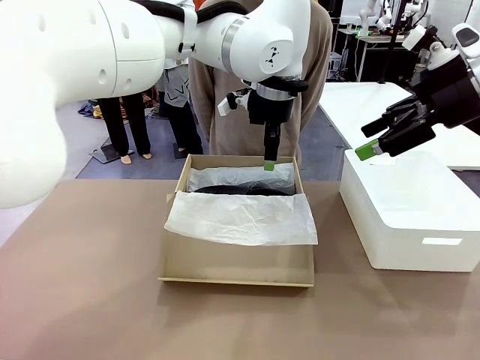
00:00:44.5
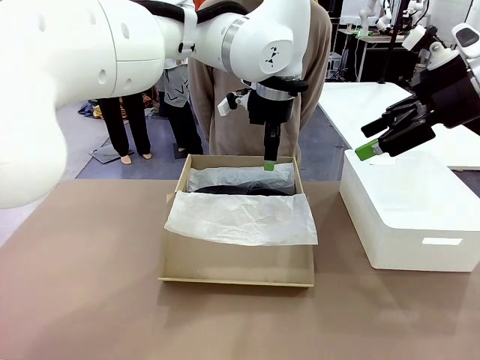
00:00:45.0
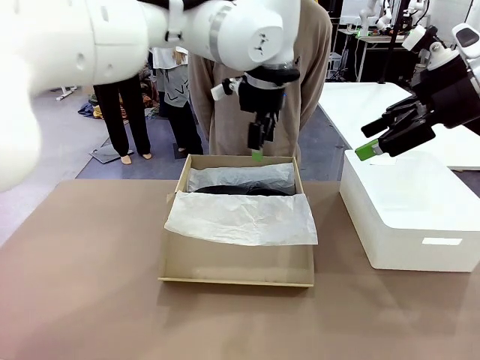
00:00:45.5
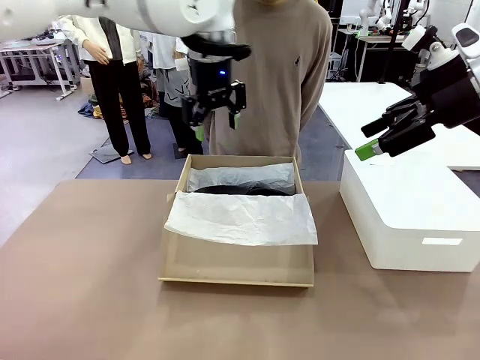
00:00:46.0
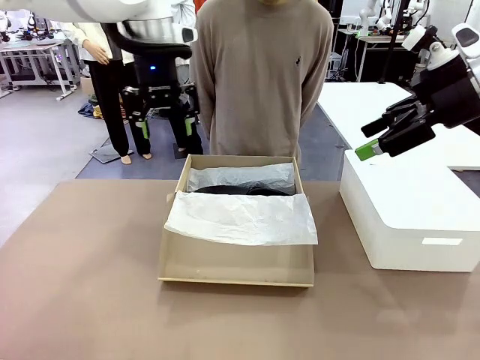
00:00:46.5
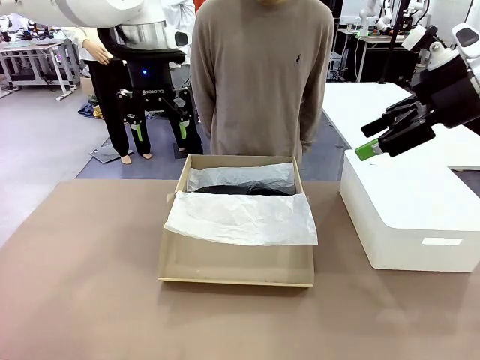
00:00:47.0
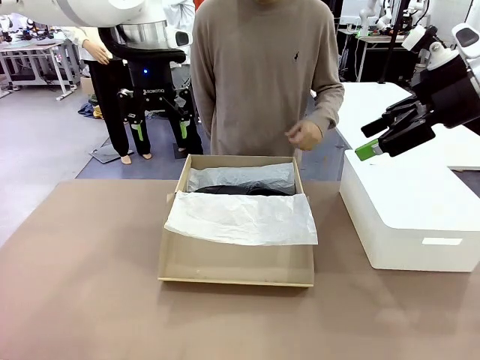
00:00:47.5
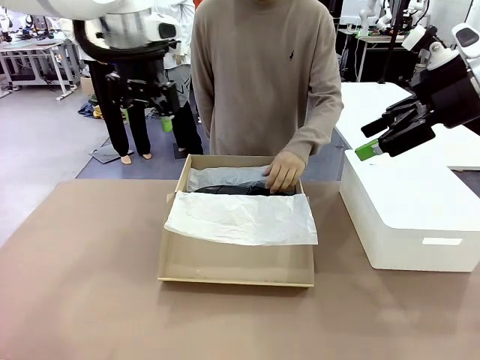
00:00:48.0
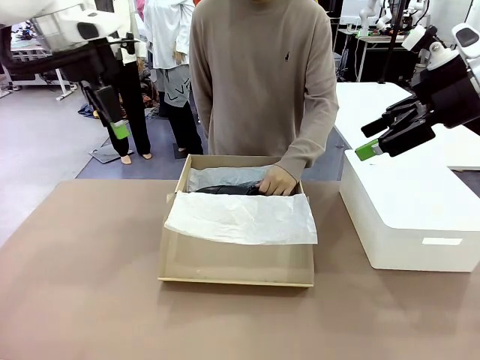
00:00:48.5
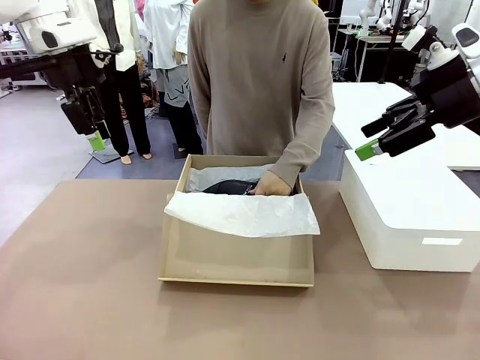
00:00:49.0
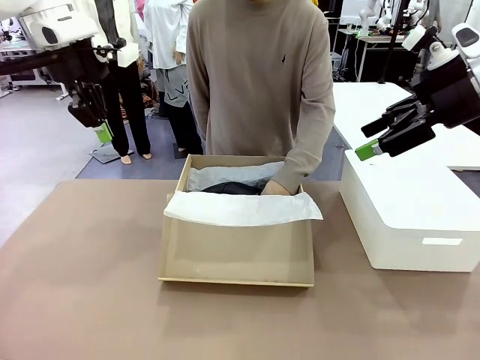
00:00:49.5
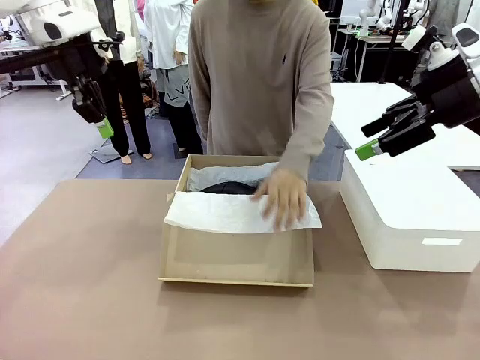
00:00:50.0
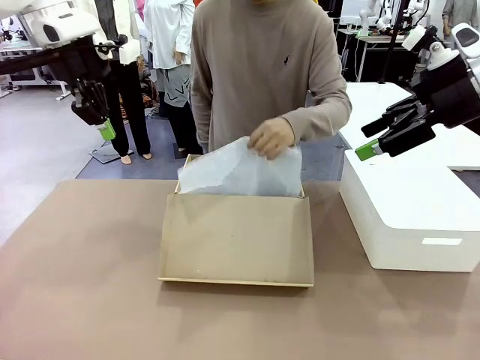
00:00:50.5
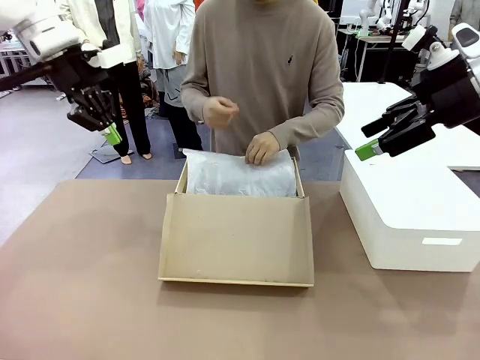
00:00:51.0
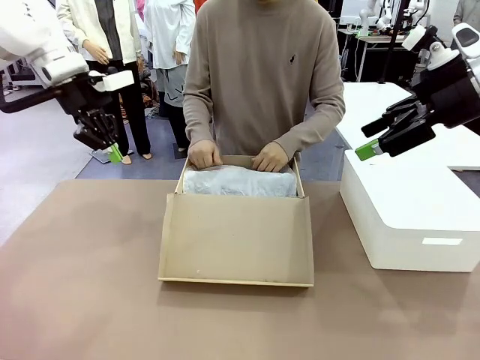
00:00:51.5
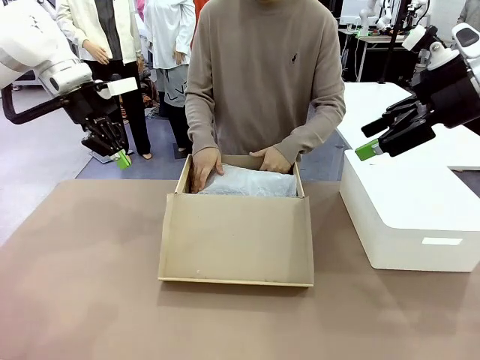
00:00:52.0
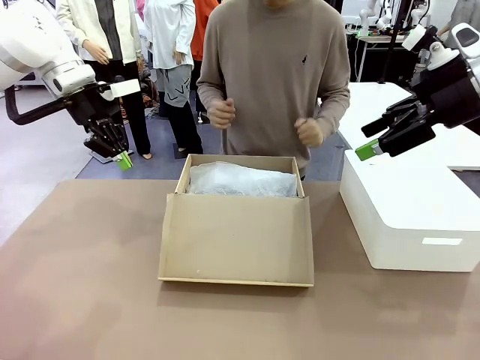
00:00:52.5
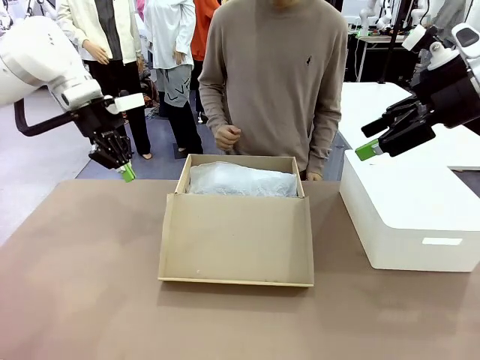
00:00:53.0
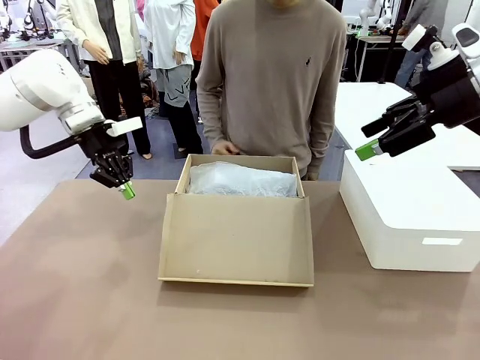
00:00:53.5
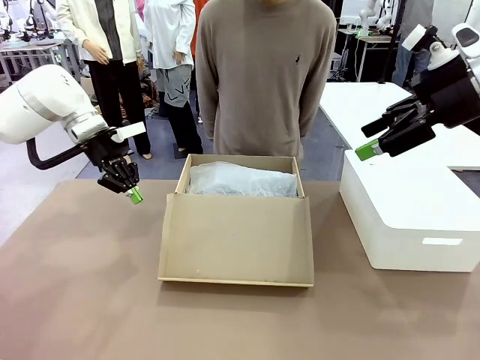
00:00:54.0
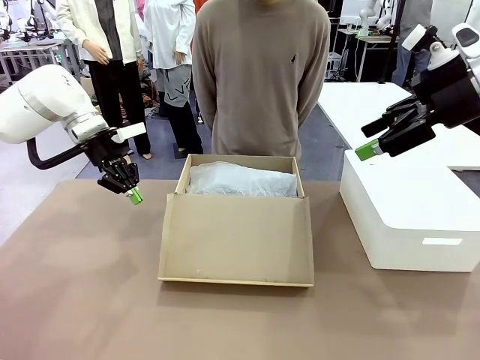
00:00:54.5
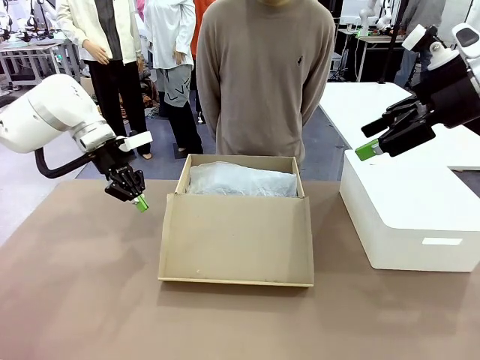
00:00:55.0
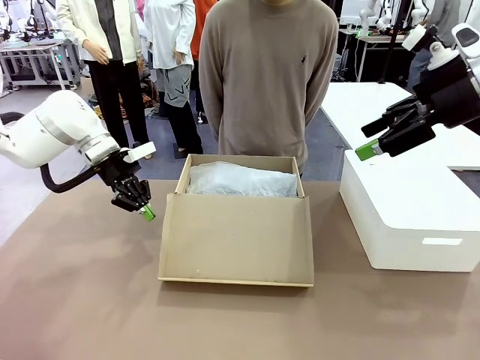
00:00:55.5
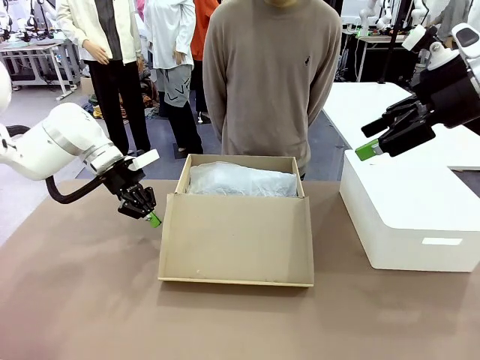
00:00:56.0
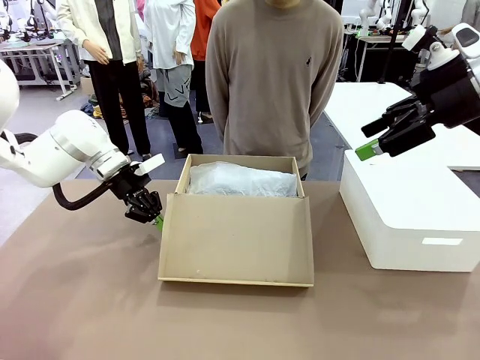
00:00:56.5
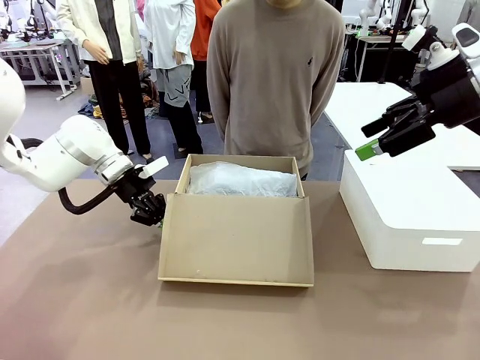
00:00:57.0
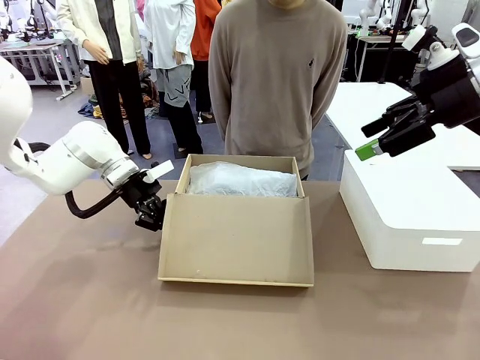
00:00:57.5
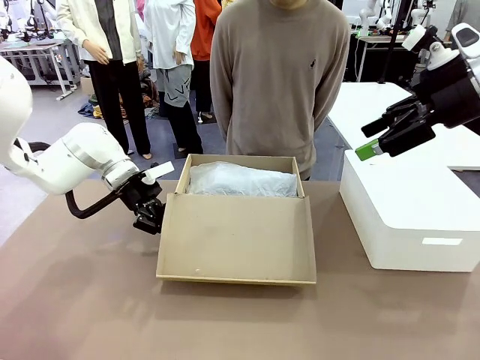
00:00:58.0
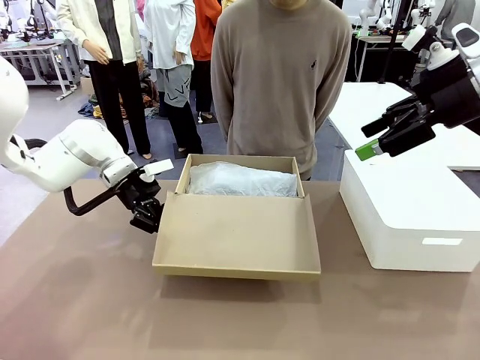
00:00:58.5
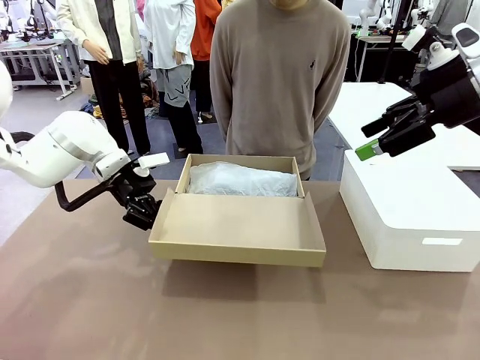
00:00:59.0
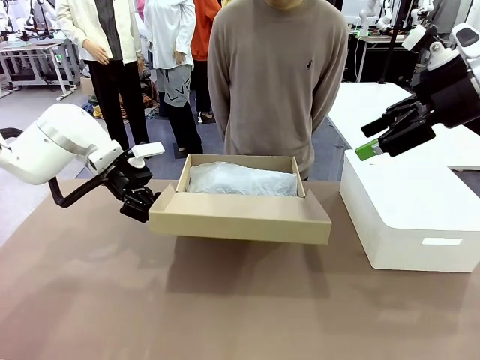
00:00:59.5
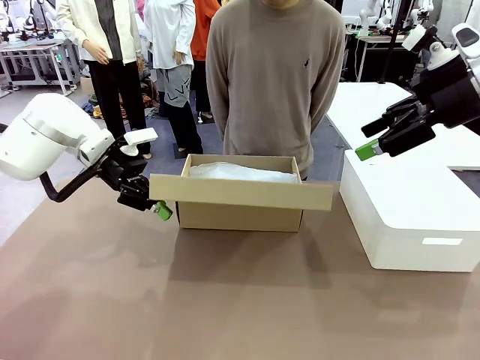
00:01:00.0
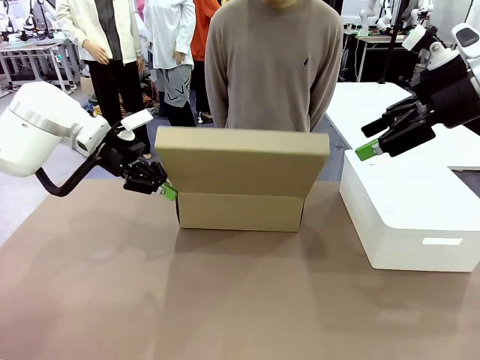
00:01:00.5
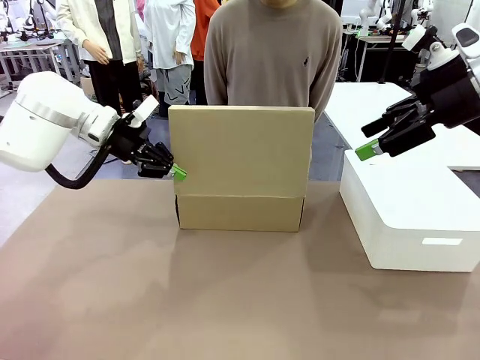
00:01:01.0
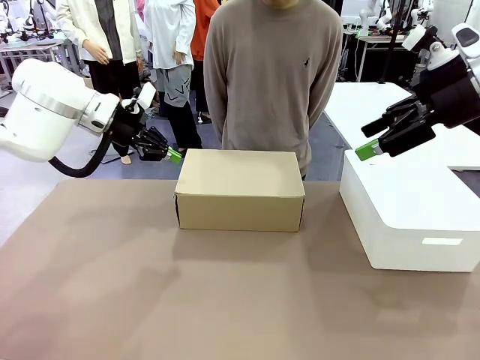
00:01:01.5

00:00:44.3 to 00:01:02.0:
Task: Pack the shoes into the box.
Robot: Close the Shoes Box.

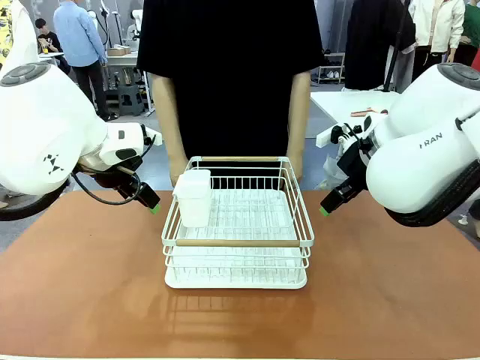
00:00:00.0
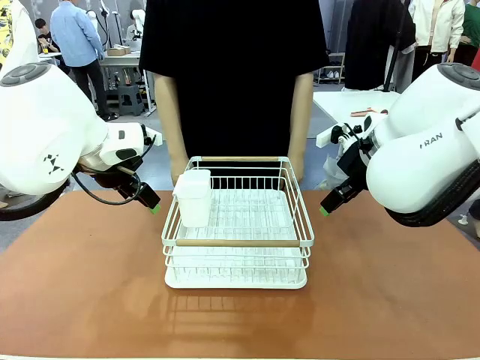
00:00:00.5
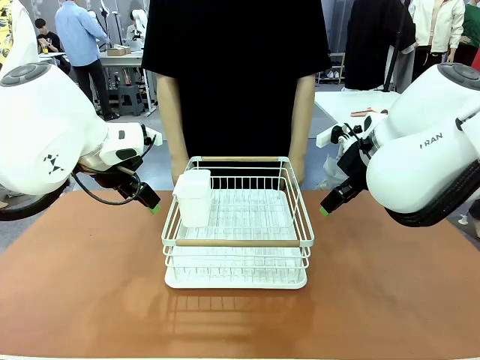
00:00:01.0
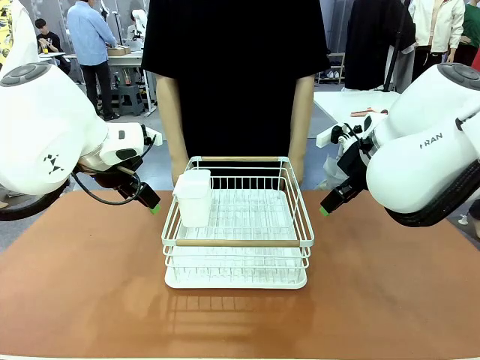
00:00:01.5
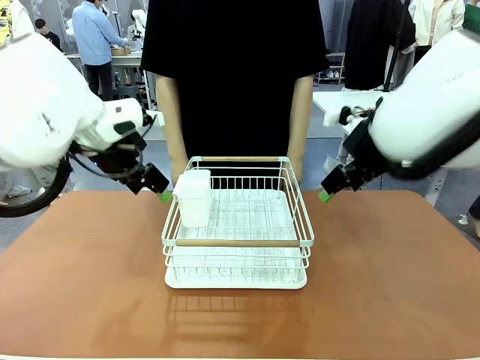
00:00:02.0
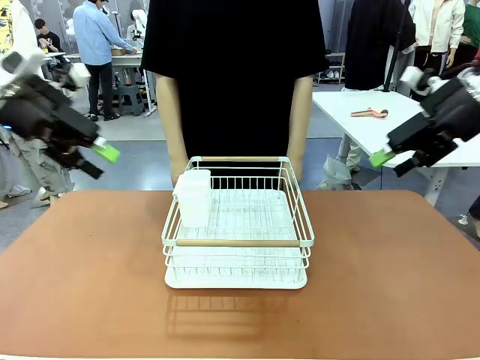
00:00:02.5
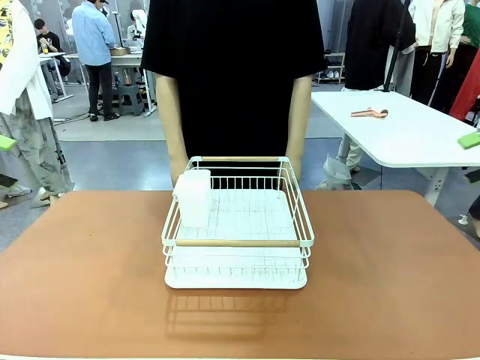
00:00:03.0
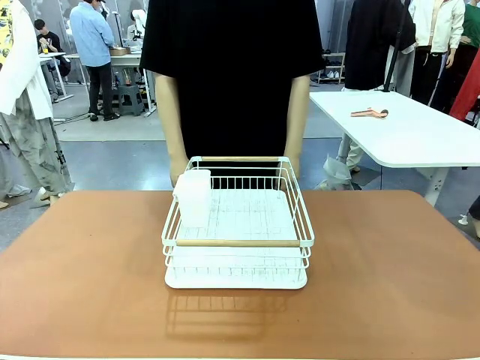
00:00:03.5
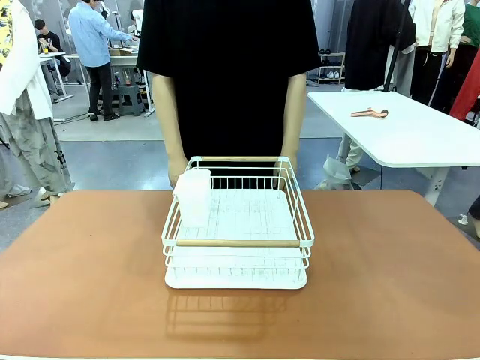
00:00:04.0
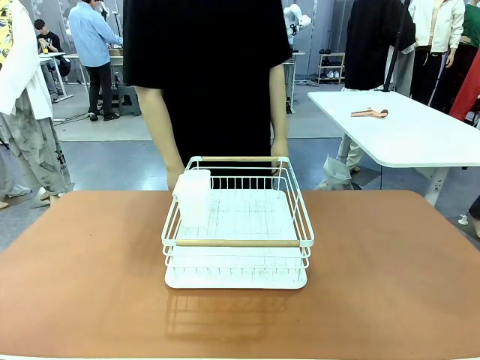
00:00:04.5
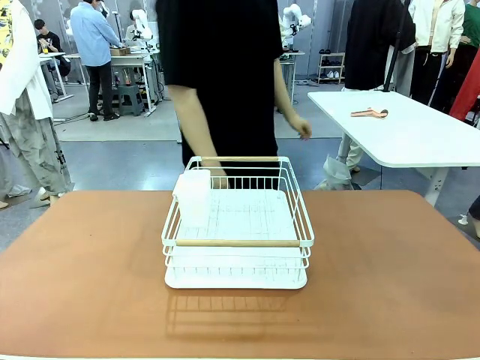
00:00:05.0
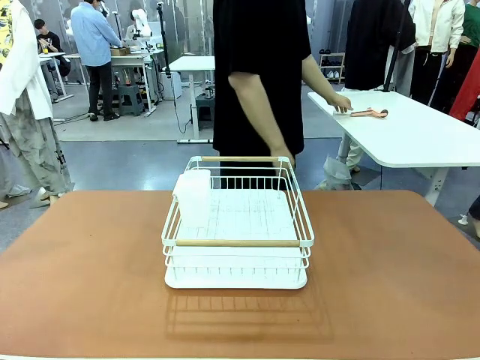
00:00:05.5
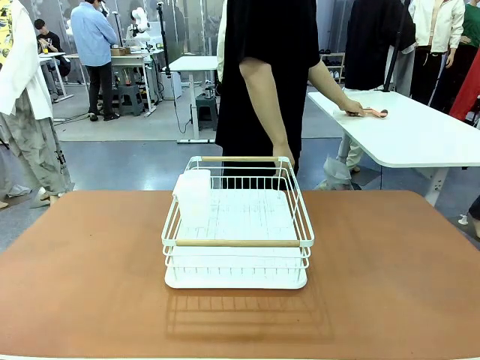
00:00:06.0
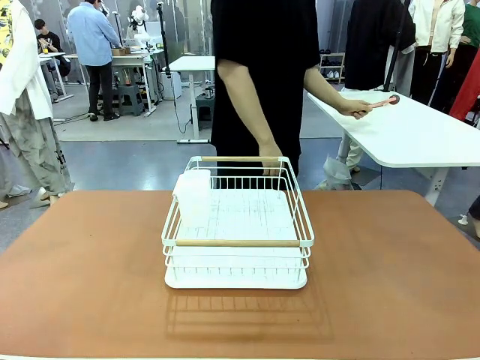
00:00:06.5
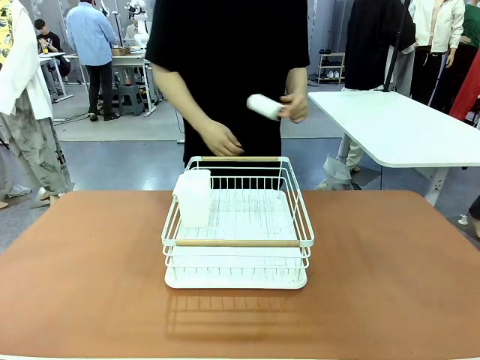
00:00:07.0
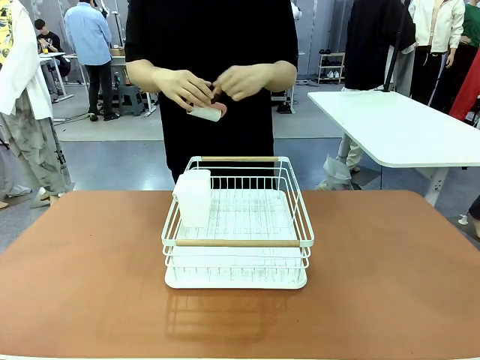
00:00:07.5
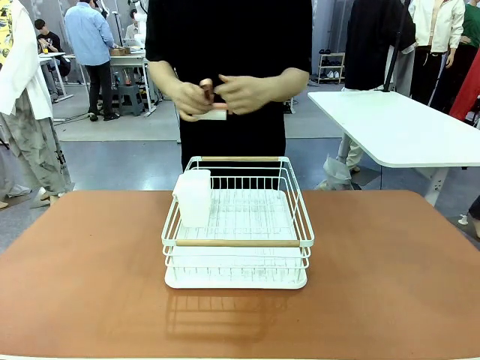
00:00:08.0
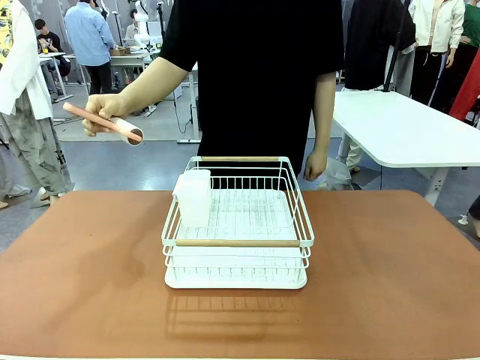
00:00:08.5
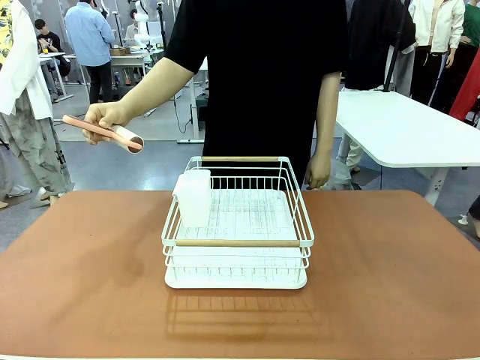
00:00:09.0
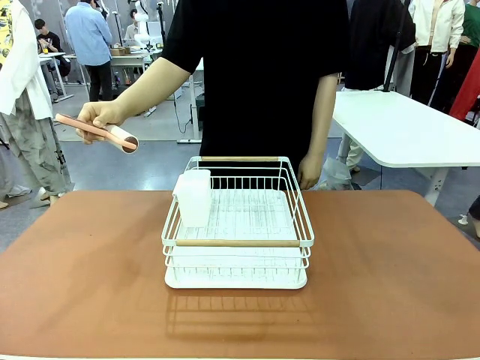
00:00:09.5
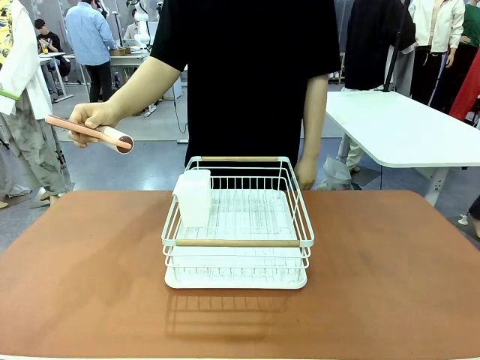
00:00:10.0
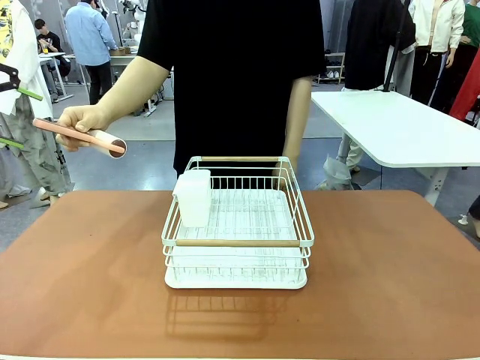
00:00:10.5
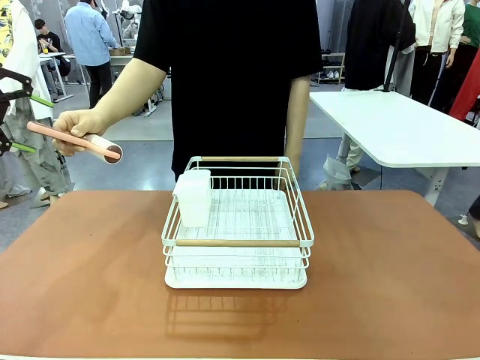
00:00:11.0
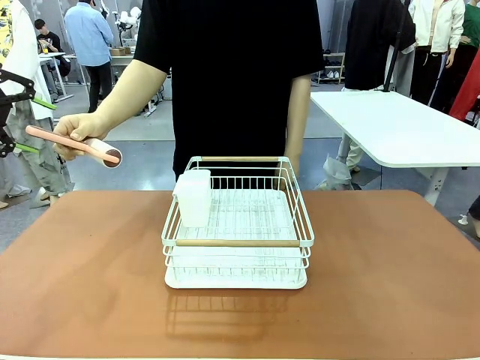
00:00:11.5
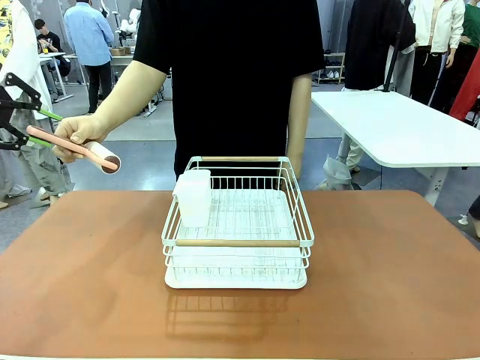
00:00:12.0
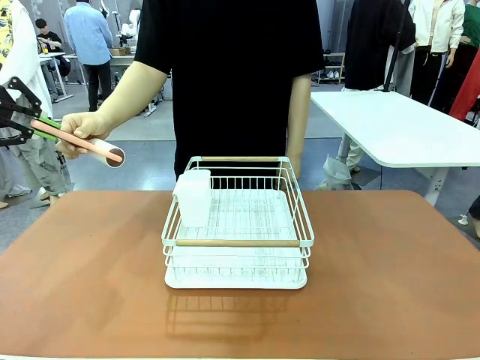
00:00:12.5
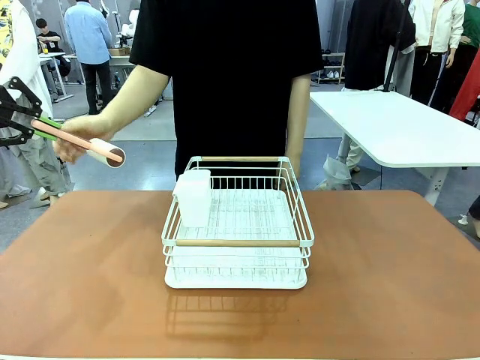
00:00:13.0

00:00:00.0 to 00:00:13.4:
Task: Clean the table.
Robot: Pick up the Lint Roller when the human hands it over.
Person: Hand the Lint Roller to the robot so it can easily pick it up. Lift the Dish drying rack.
